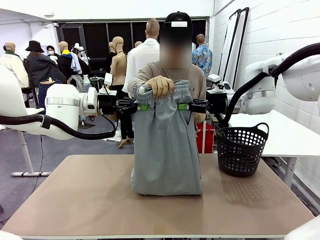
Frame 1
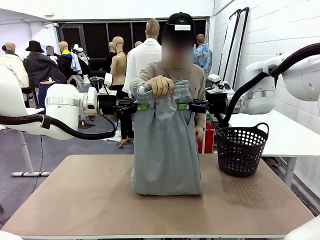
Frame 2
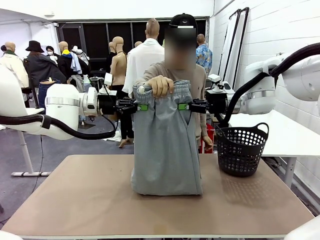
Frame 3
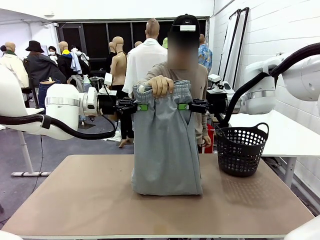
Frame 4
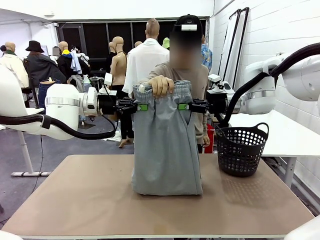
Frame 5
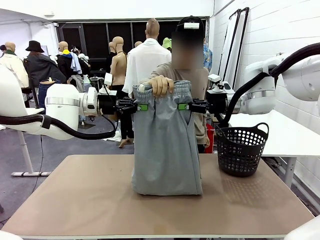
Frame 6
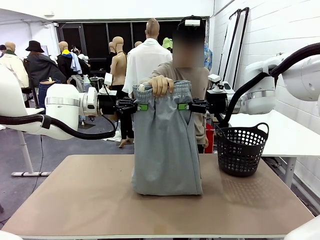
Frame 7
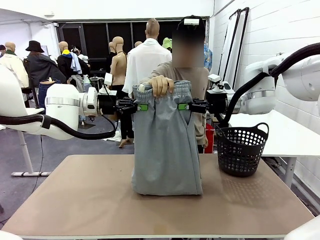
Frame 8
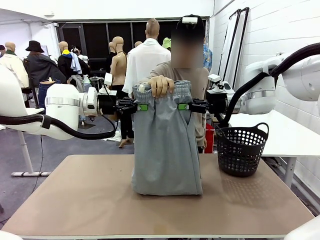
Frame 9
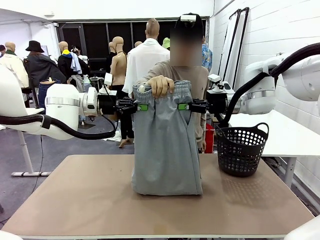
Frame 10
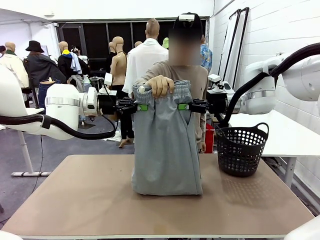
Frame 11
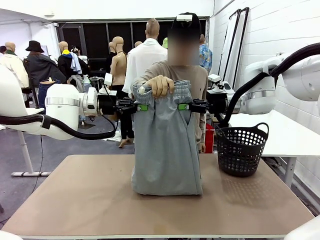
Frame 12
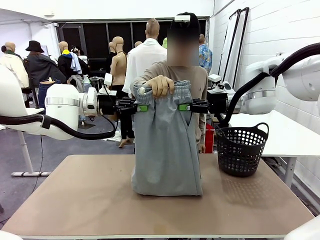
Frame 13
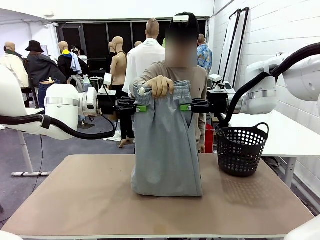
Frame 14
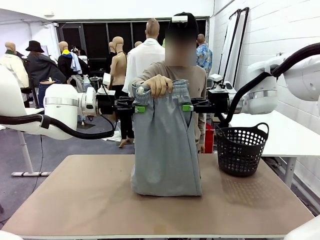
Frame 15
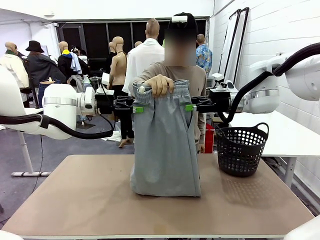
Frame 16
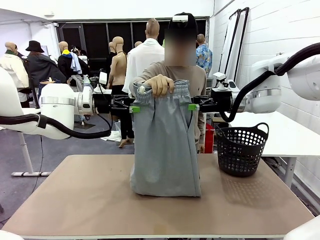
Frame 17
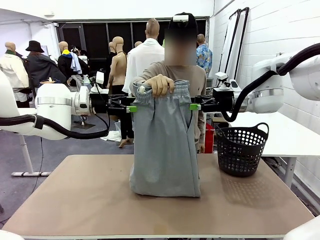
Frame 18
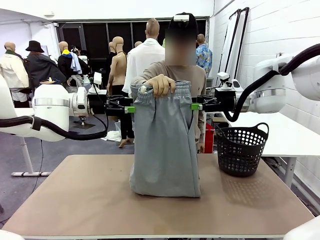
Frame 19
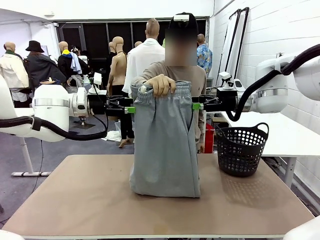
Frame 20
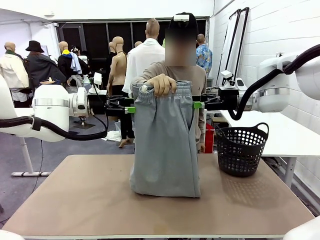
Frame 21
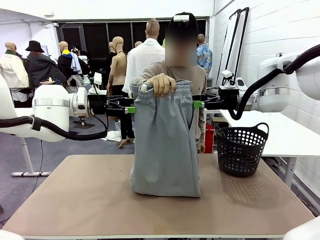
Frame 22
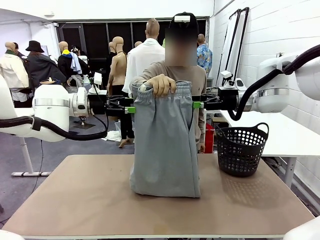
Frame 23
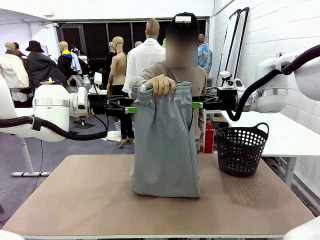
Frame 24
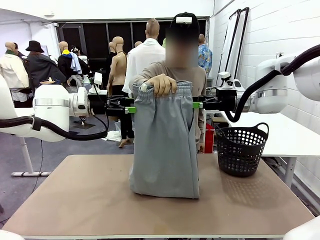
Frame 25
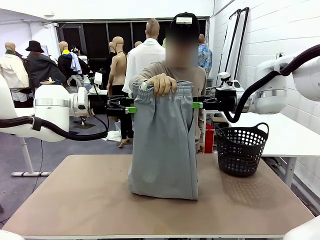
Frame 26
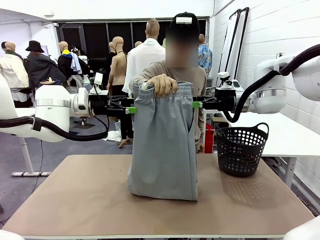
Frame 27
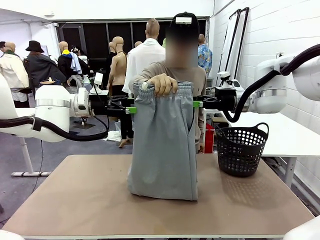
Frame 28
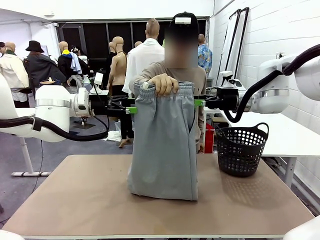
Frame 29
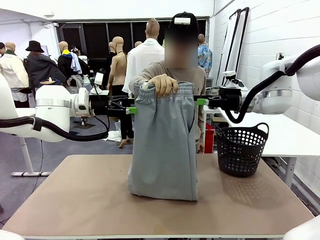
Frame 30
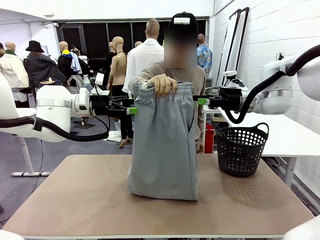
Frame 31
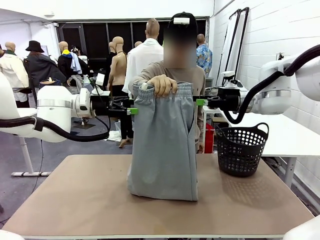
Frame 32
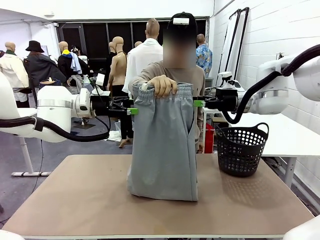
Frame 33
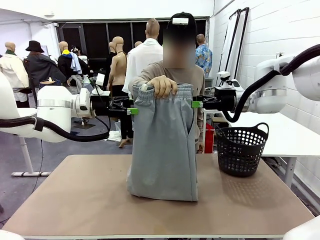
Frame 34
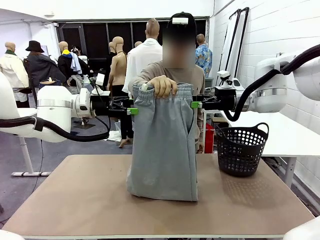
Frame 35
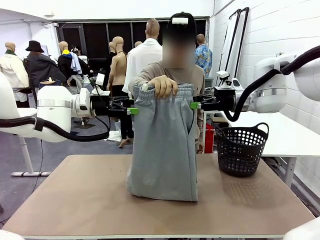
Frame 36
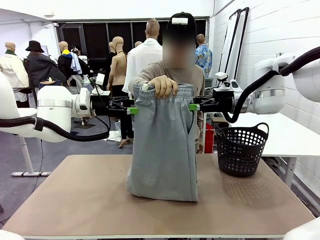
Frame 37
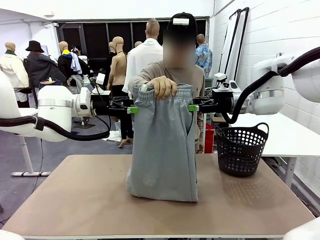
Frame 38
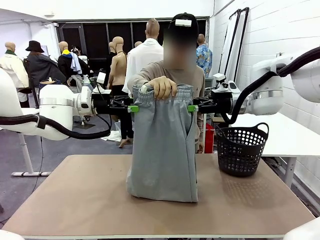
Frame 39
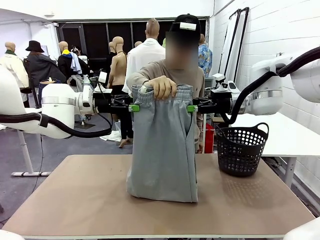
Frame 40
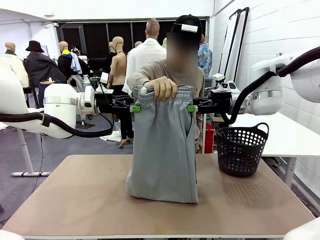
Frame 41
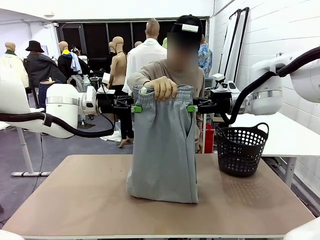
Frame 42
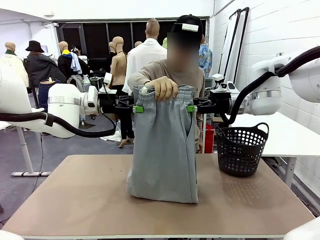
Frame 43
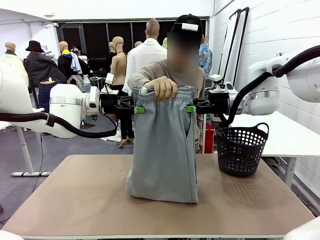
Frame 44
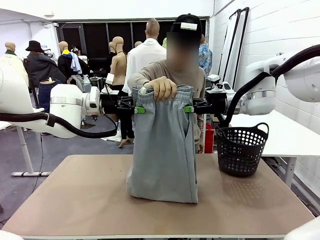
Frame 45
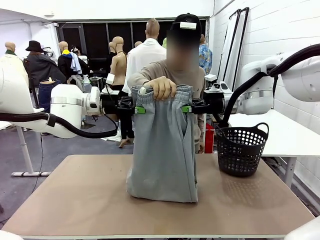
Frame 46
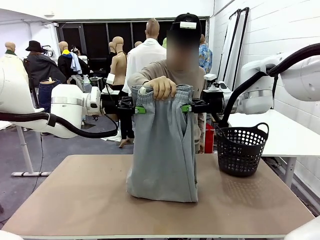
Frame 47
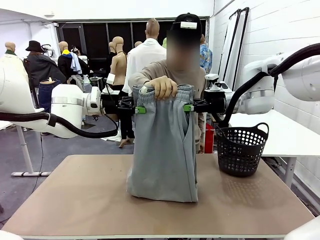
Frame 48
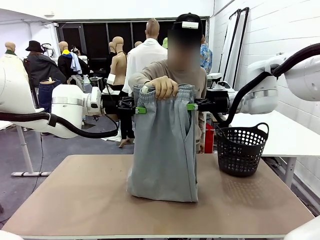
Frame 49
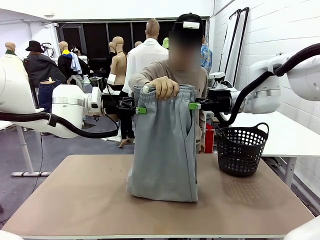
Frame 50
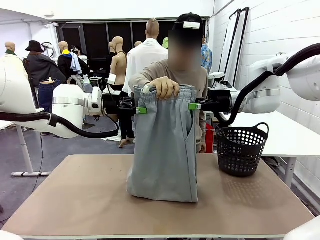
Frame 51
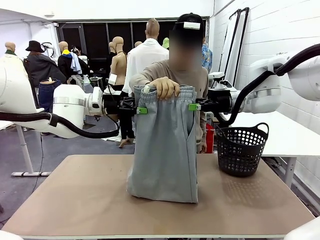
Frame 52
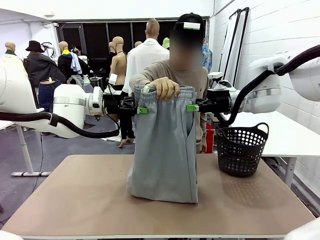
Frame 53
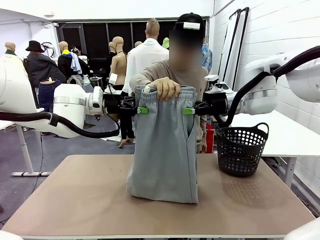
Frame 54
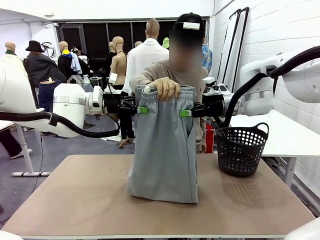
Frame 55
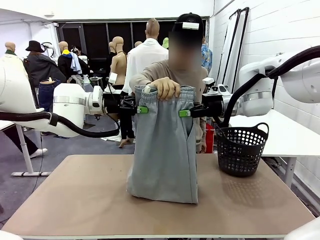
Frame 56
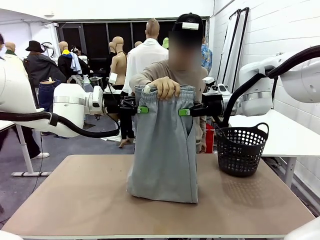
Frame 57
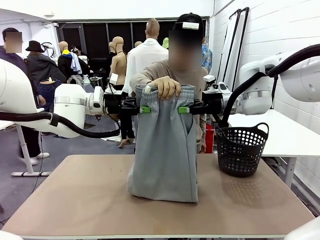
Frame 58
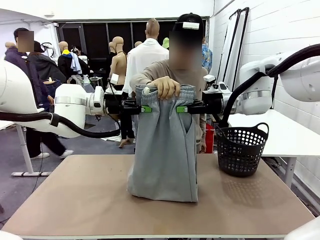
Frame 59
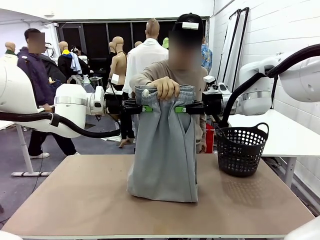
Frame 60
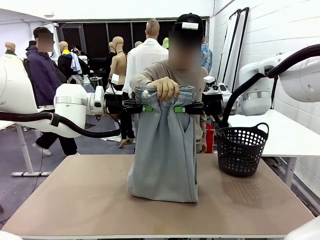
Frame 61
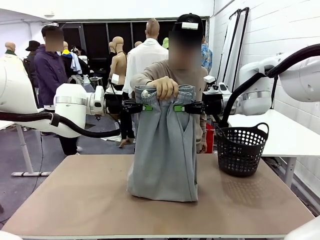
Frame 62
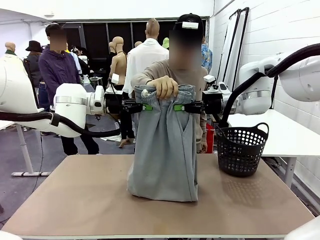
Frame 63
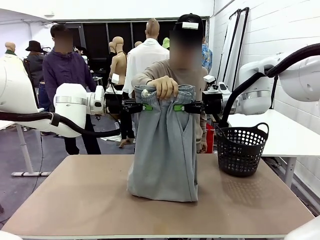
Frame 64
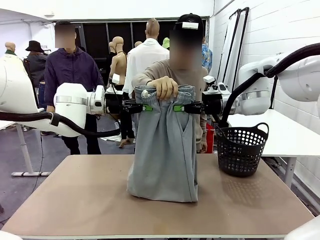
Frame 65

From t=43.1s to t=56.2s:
Task: Fold the training pants.
Robot: Release the ends of the Training pants and then grab the overlapped ends.
Person: Release the pants you were holding.

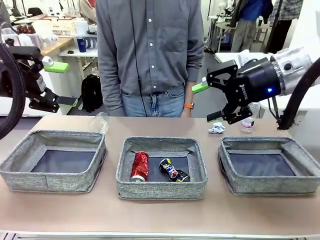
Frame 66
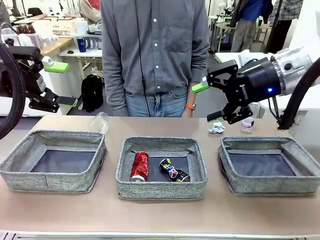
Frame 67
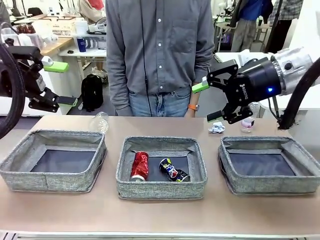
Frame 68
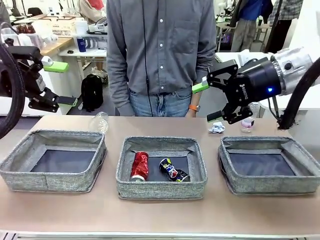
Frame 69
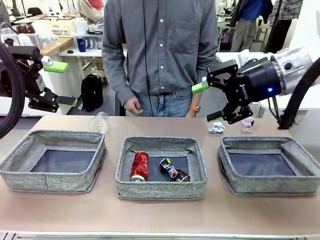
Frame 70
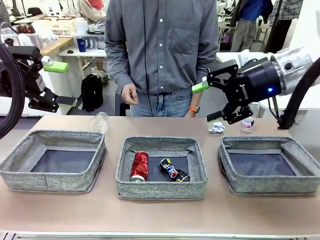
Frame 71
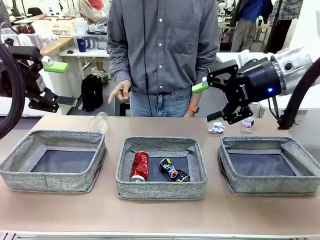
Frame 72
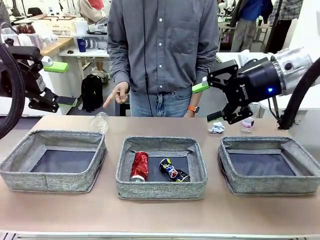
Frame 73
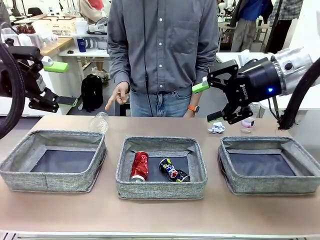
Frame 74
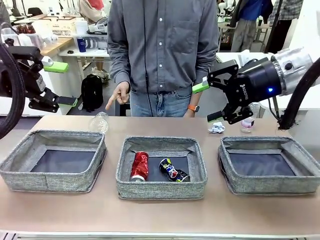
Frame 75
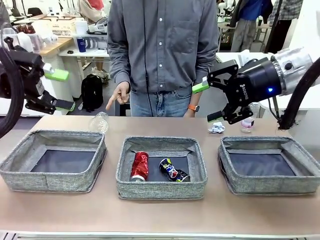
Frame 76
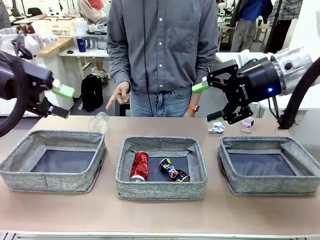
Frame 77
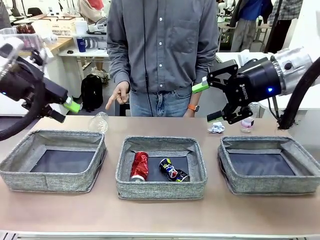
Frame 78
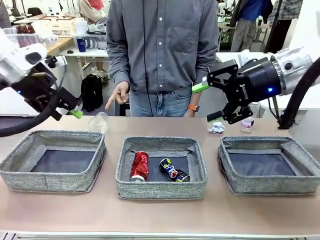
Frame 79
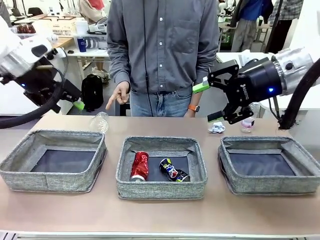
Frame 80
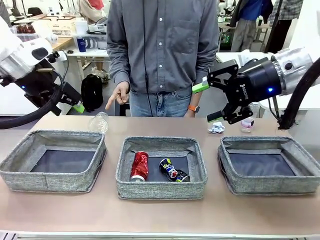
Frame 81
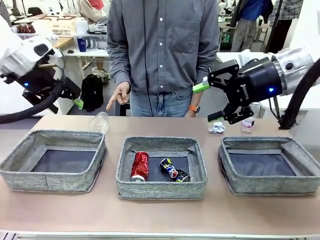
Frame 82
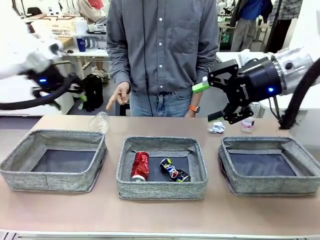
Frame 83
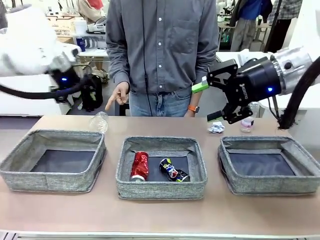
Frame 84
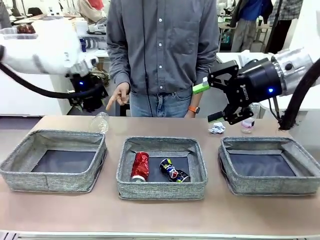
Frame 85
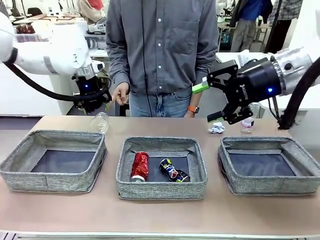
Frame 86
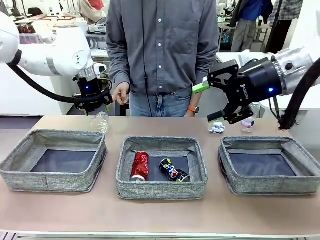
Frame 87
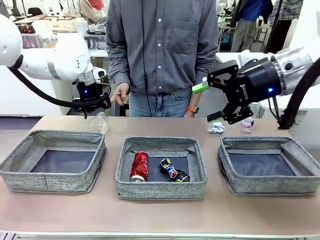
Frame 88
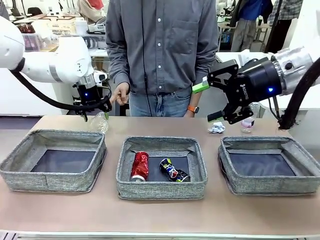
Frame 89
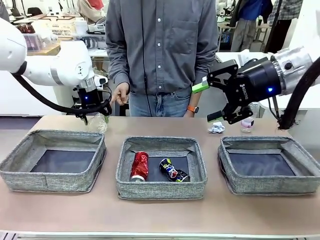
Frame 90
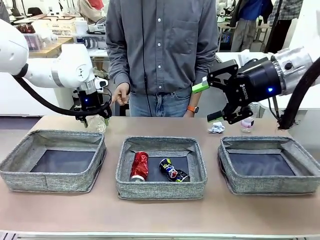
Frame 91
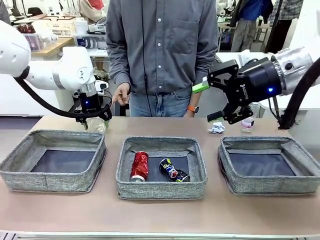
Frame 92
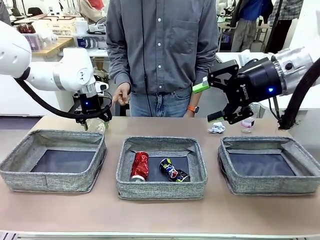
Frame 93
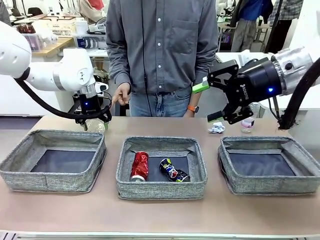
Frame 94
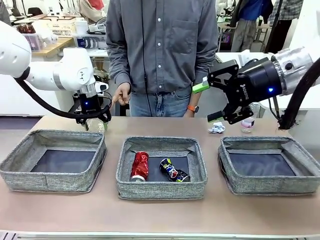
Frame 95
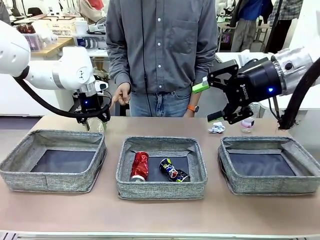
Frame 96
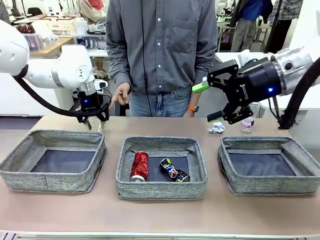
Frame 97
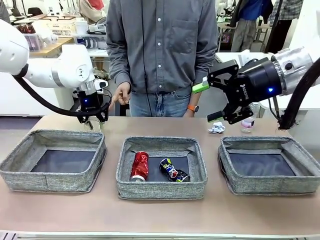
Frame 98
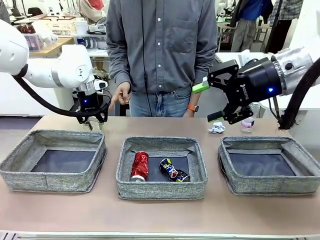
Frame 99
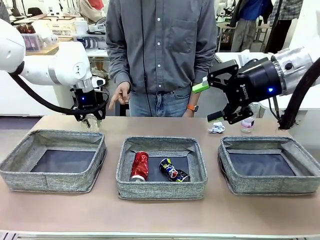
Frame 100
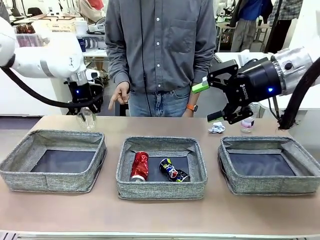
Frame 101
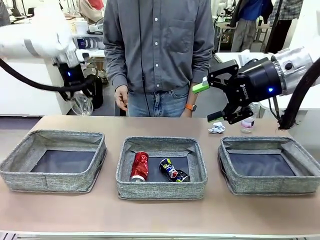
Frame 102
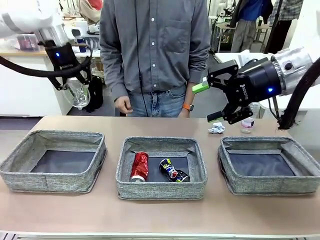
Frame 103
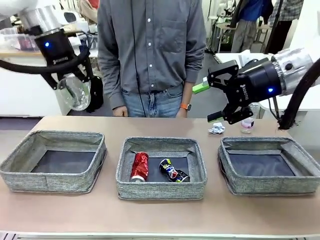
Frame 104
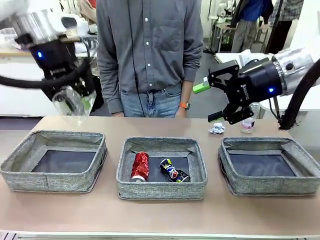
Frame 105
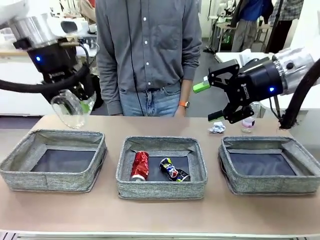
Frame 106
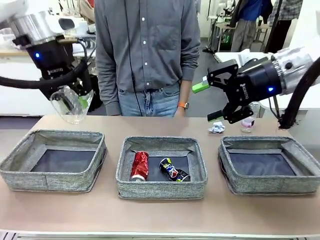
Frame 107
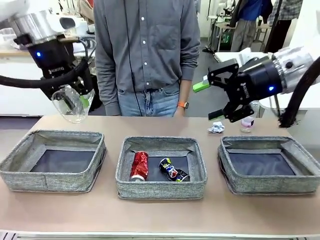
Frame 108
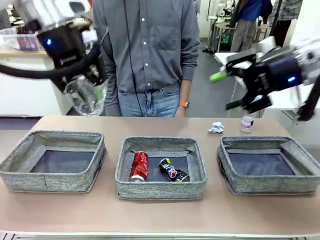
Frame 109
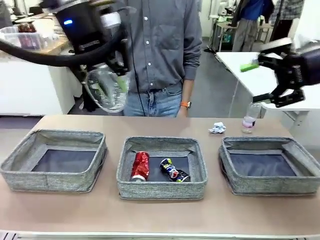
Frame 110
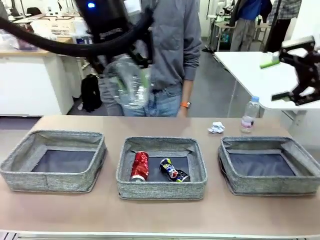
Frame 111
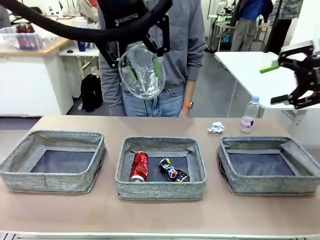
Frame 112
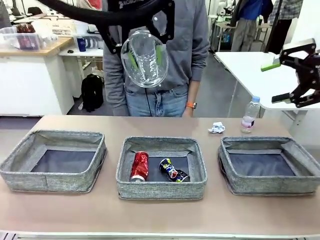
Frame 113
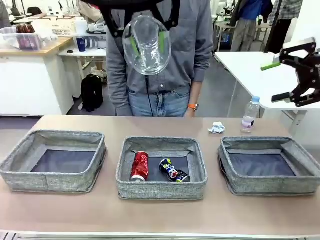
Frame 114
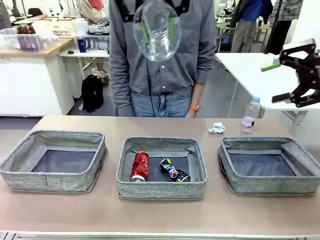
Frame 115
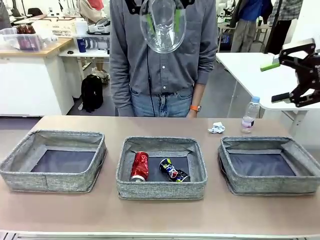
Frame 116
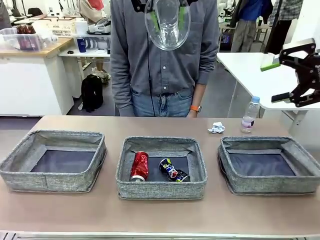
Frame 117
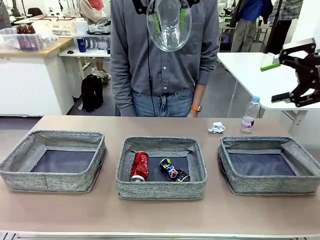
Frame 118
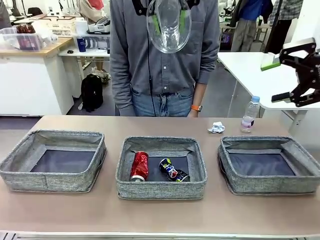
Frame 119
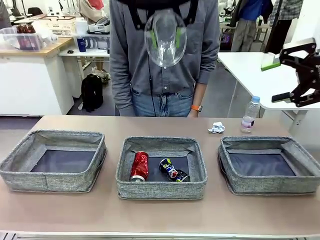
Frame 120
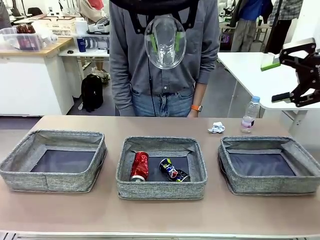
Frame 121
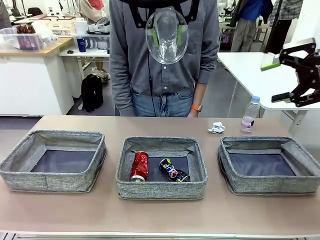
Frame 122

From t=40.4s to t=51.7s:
Task: Sort the waste into the appropriate baskets.
Robot: Pick up the waste item pointed out by the person.
Person: Points to one piece of trash on the table.
